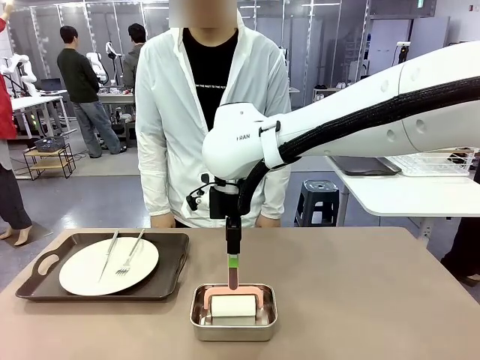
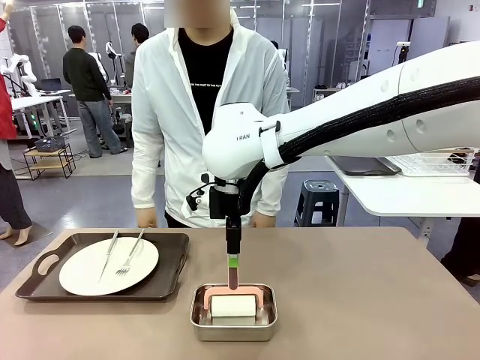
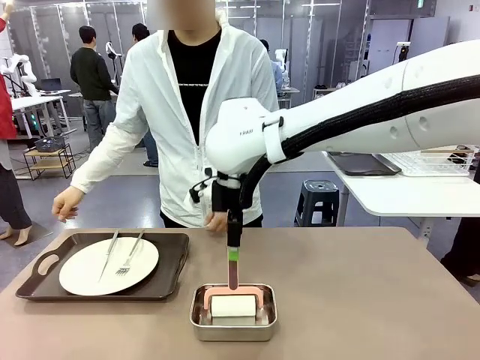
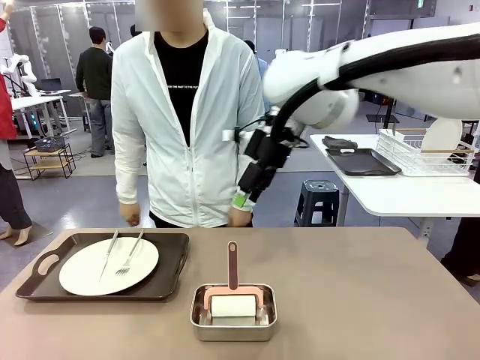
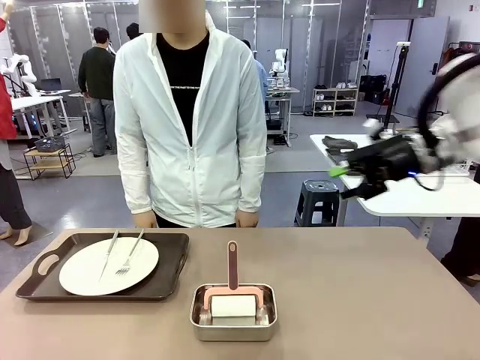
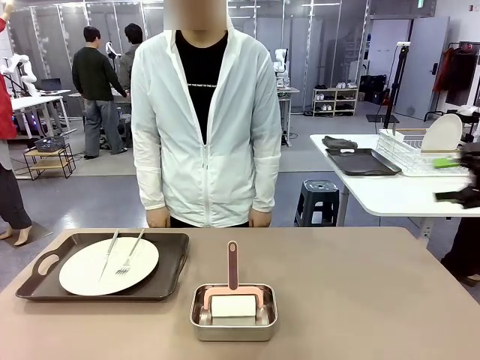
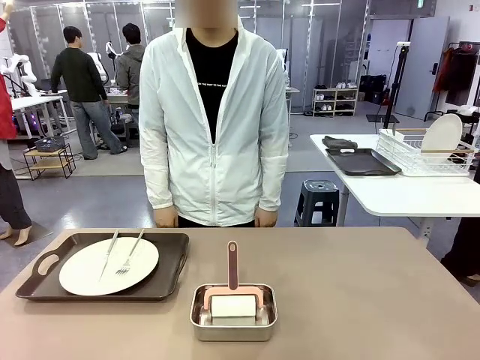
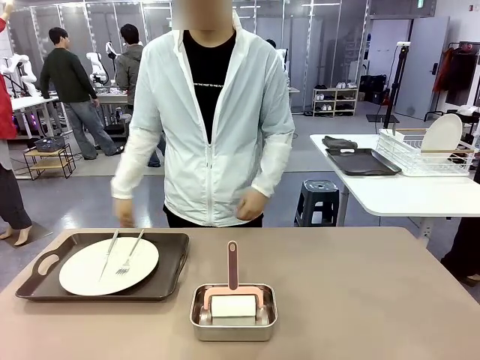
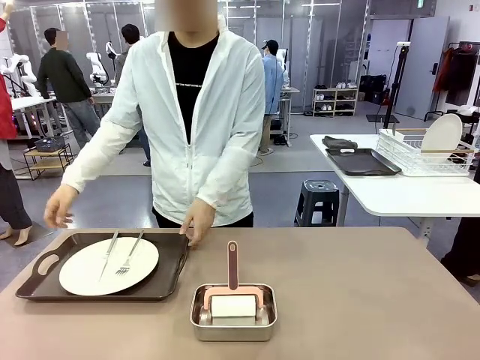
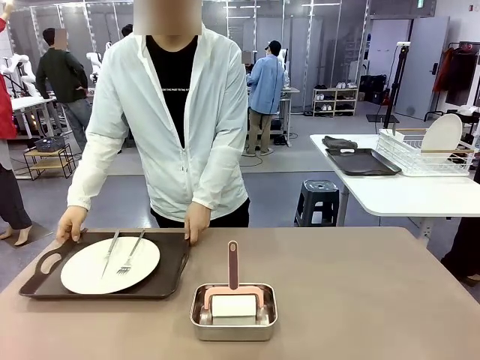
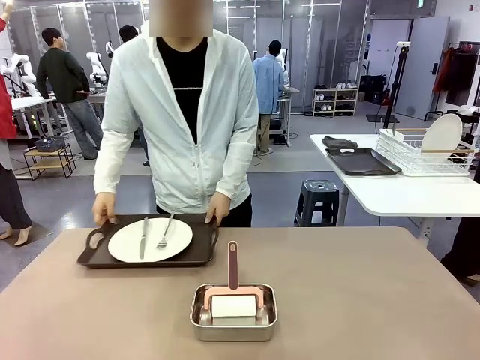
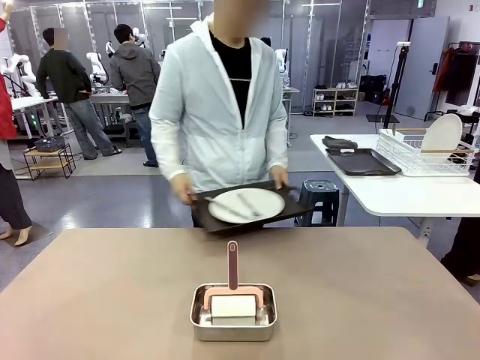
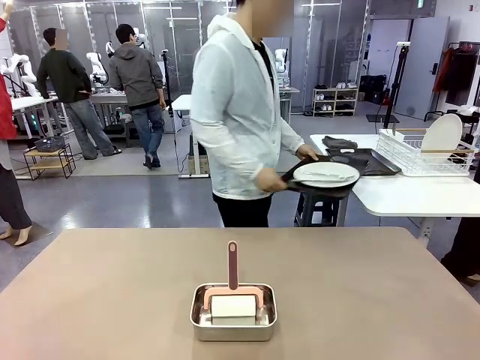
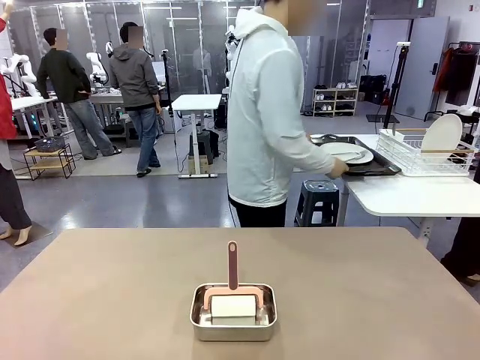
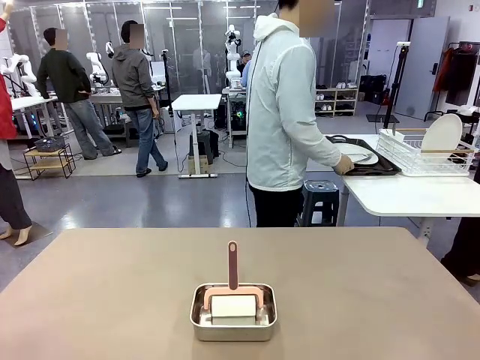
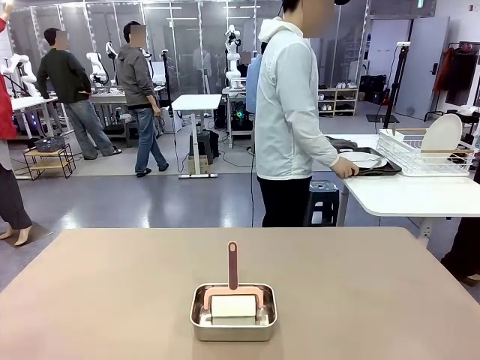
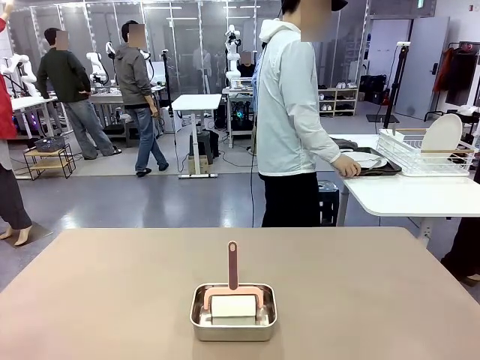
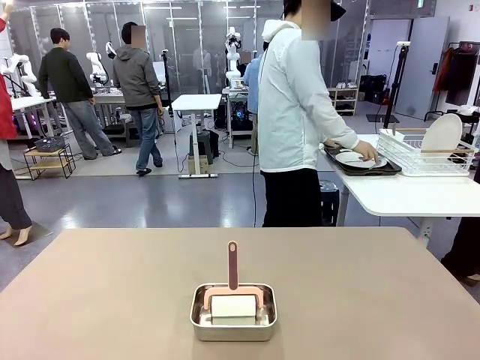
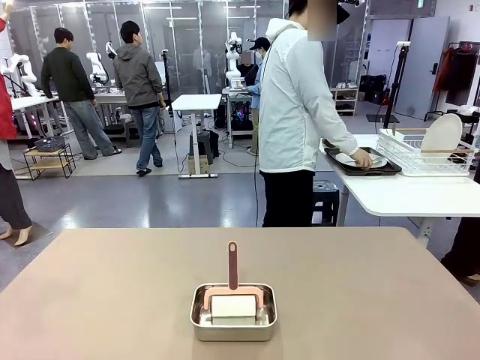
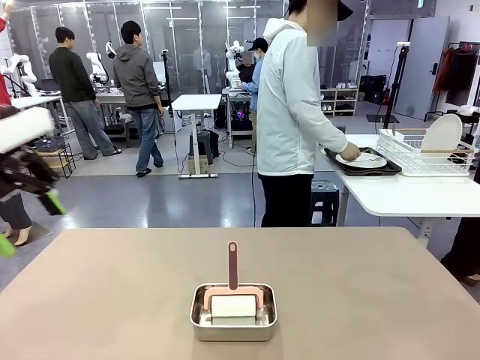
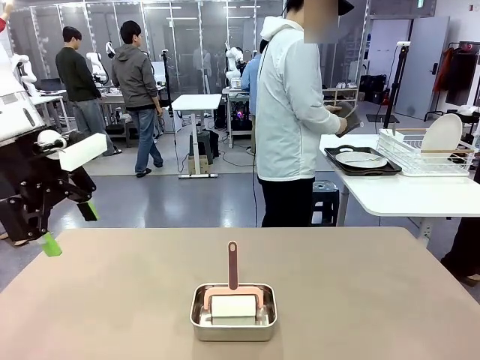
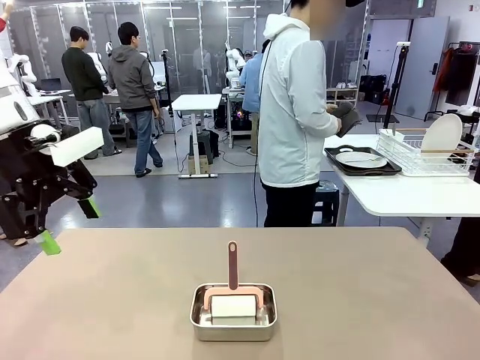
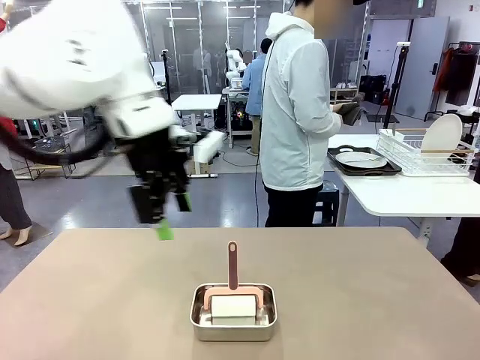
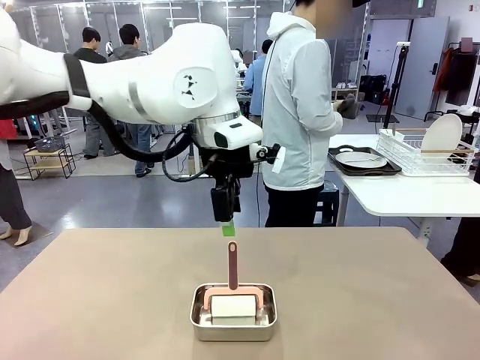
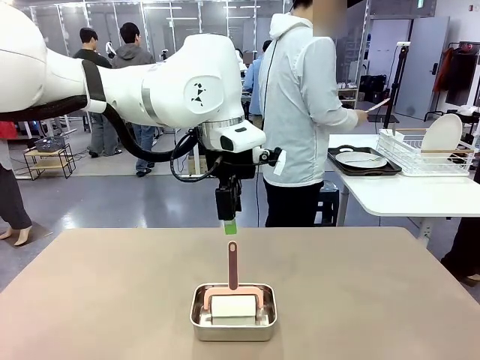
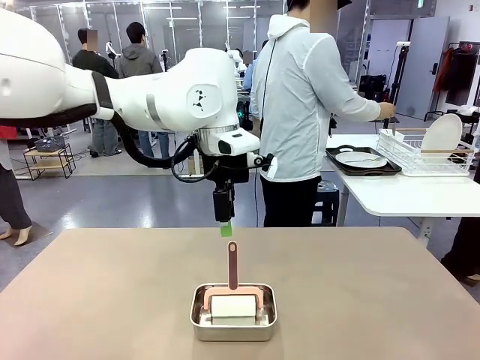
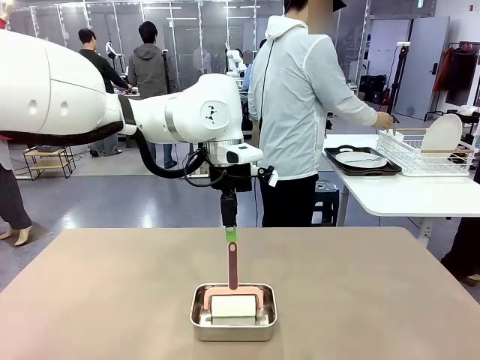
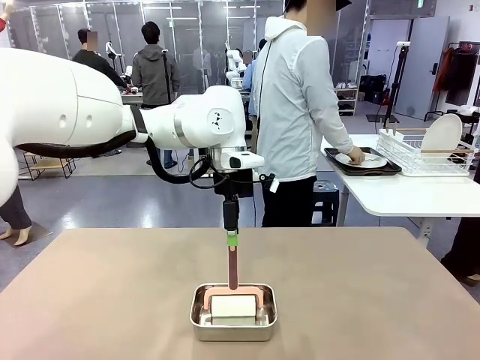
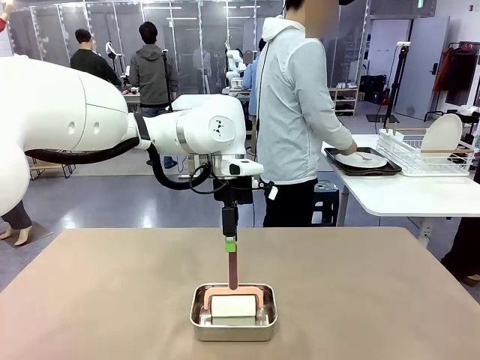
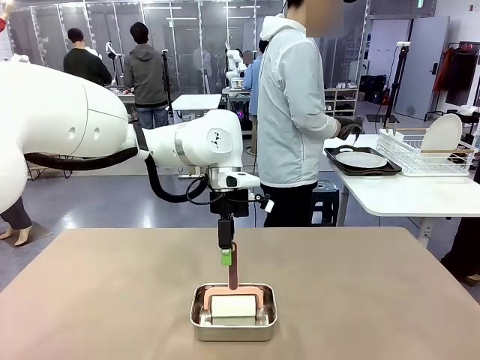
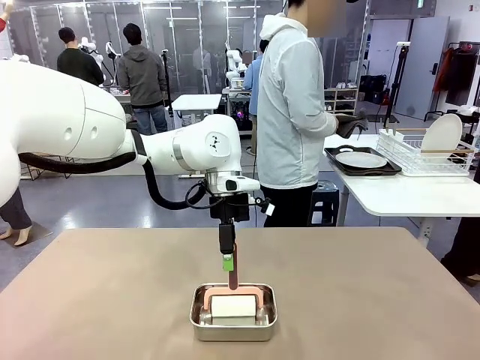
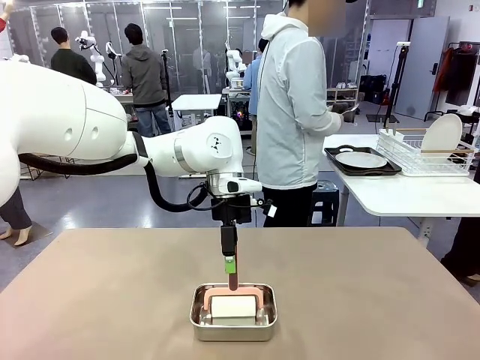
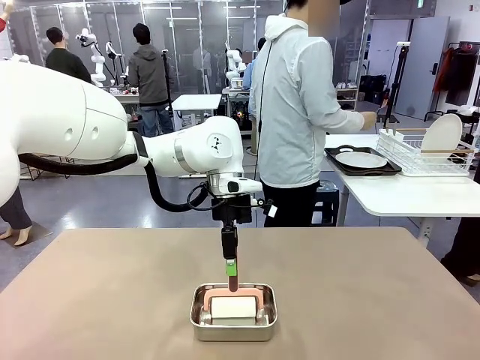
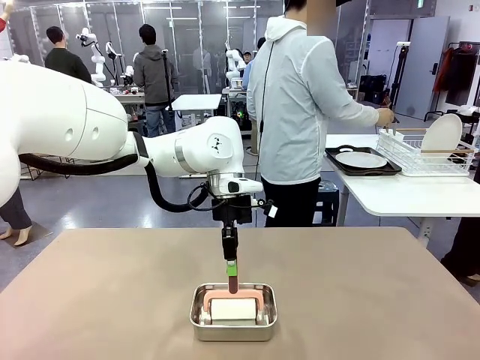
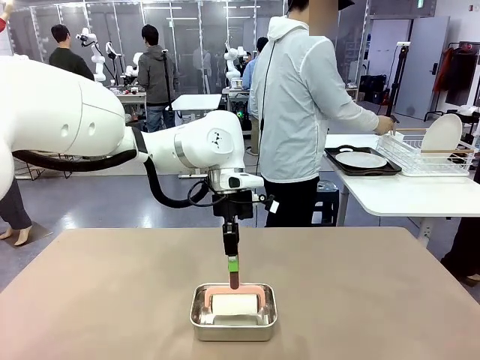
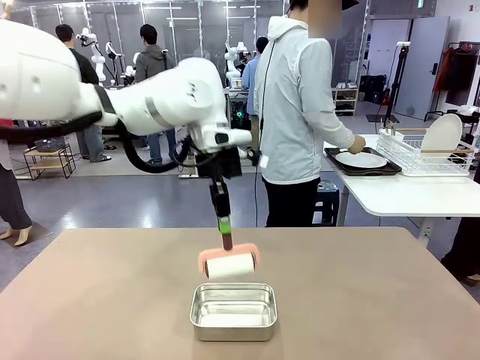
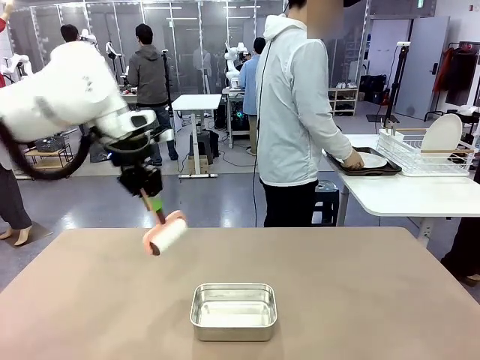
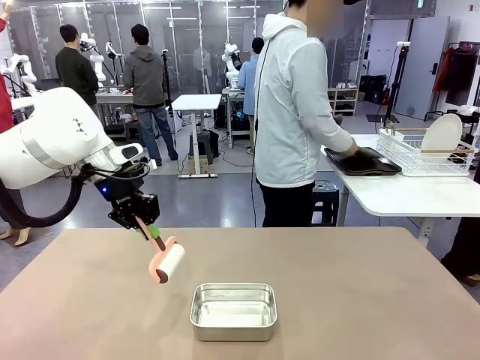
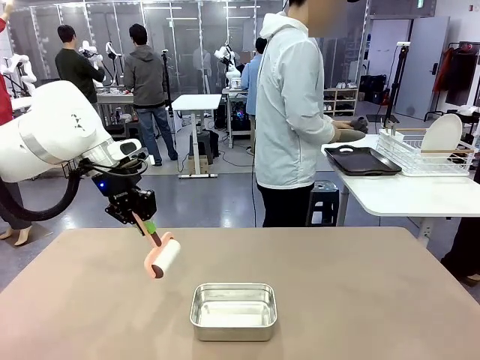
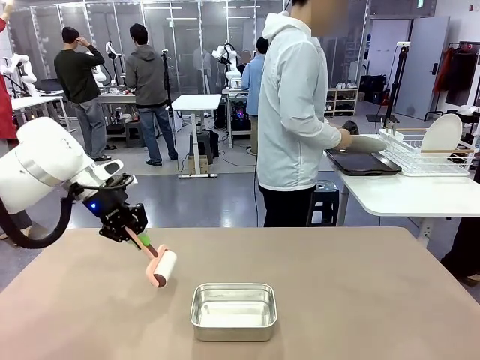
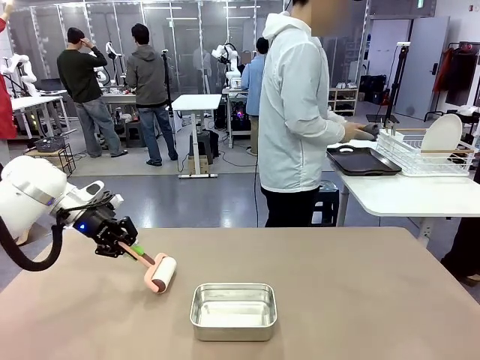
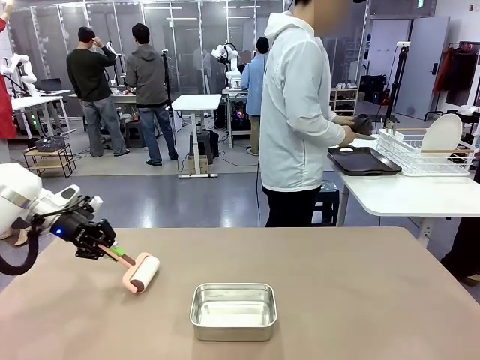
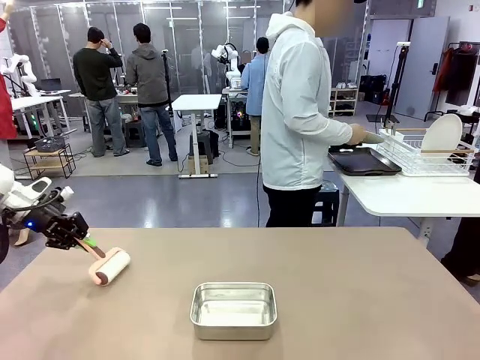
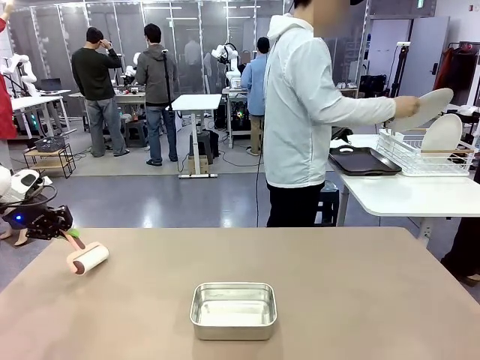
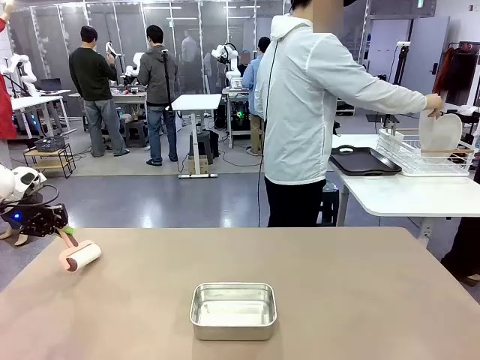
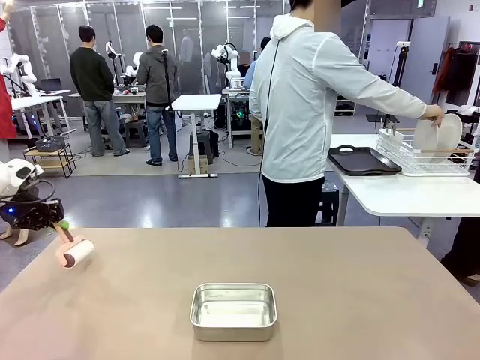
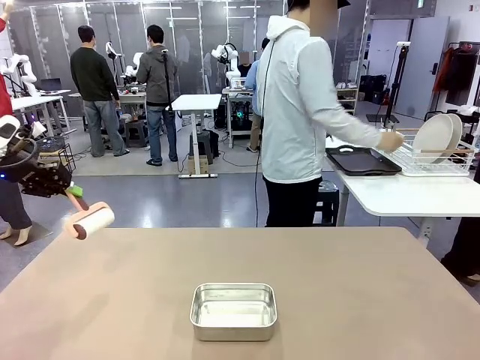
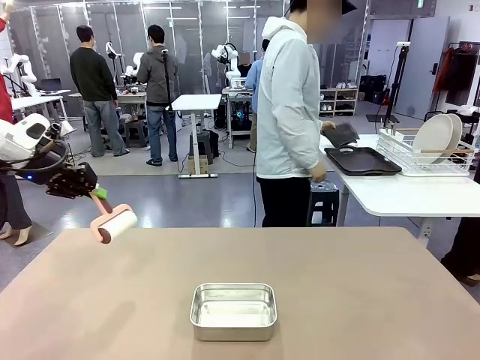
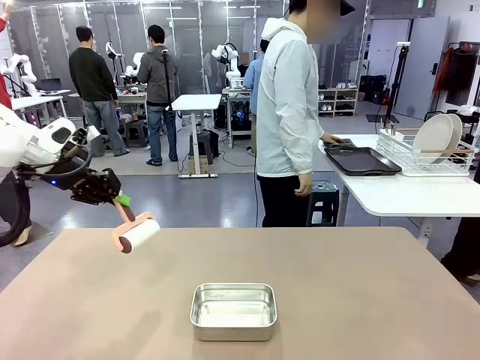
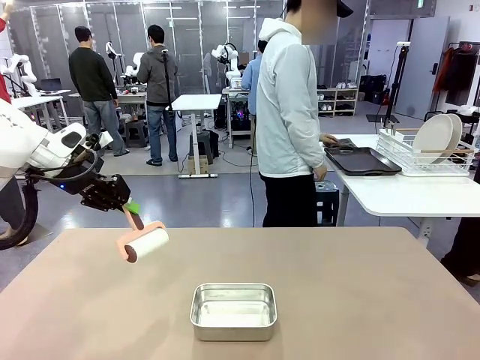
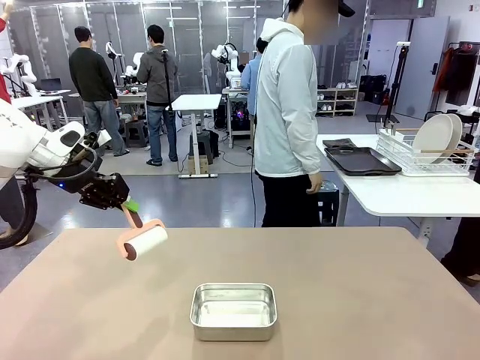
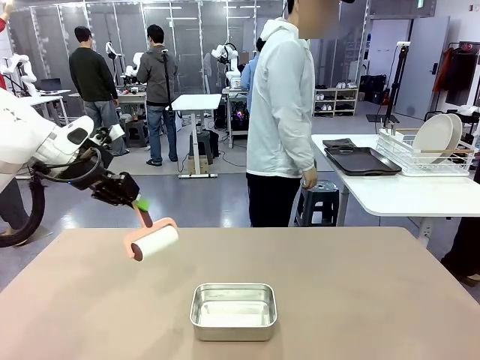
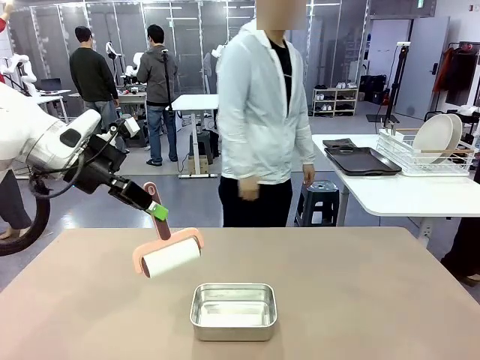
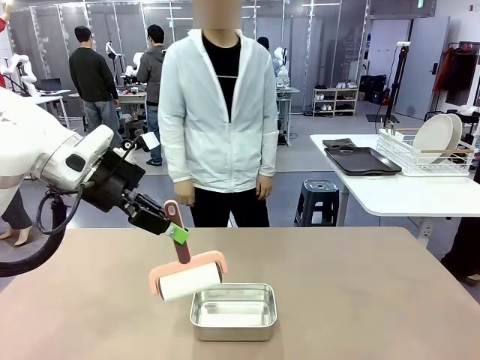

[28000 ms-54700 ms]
Robot: When the right (or left) Handle tray is removed, use the right hand (or left hand) to clean the right (or left) side of the table with the Lint Roller.
Person: Pick up the left (or right) Handle tray and place it on the Handle tray. Use the Towel with hook to wipe the Plastic Matte Plate , Fork , and Knife and place into the Dish drying rack.
